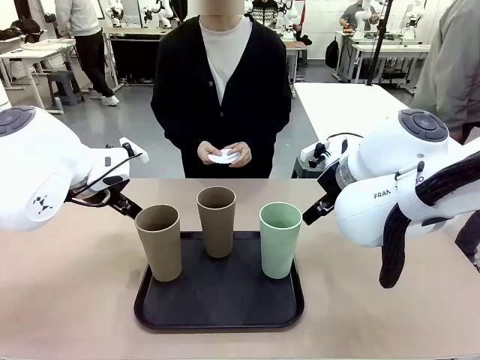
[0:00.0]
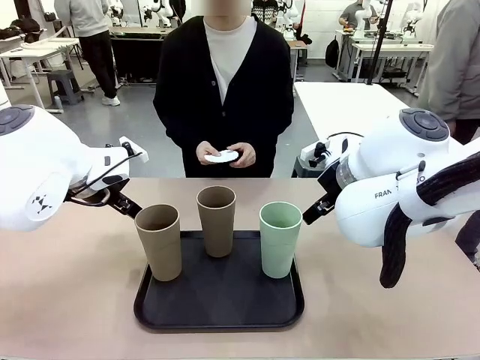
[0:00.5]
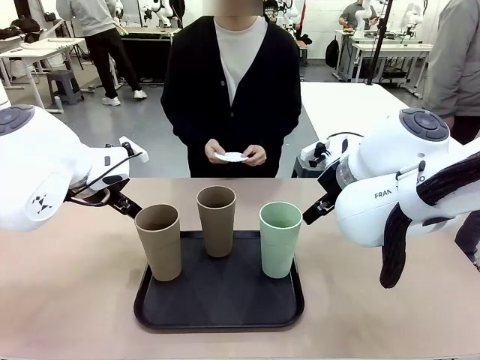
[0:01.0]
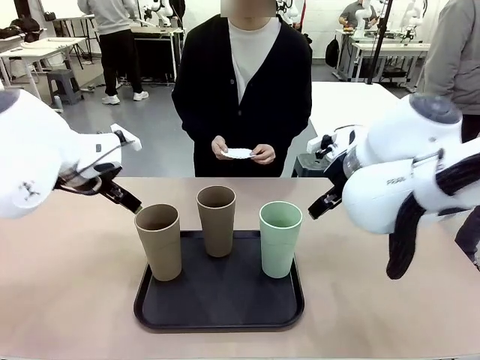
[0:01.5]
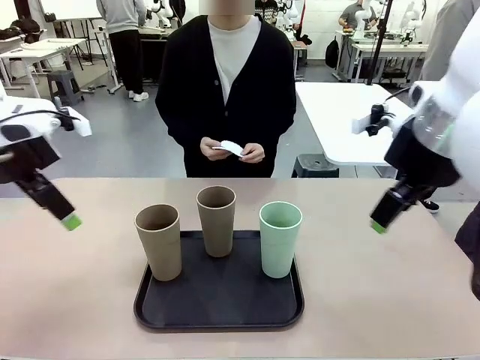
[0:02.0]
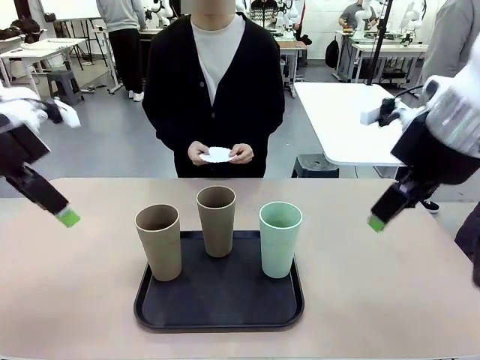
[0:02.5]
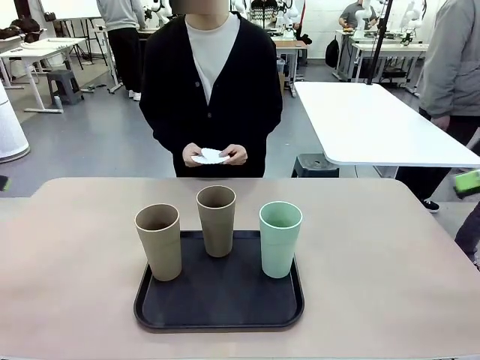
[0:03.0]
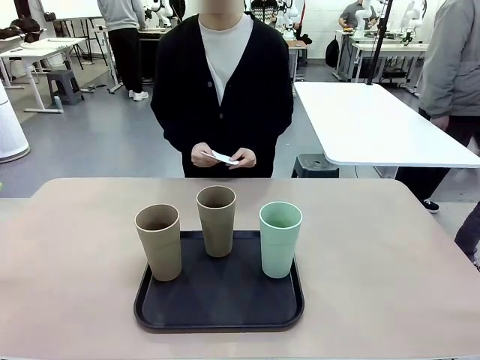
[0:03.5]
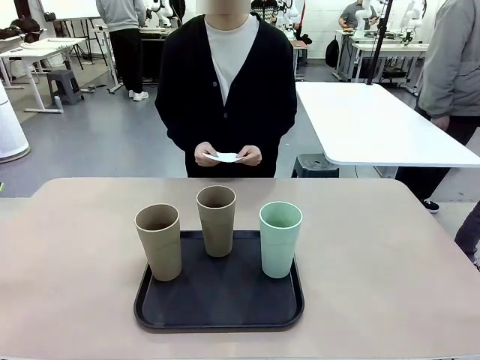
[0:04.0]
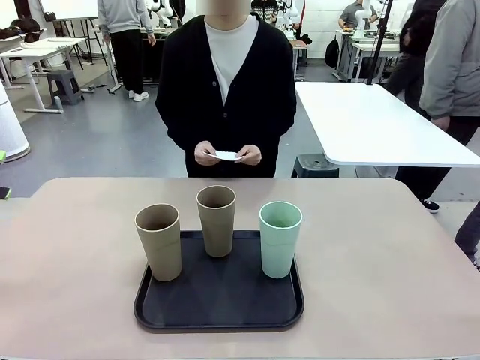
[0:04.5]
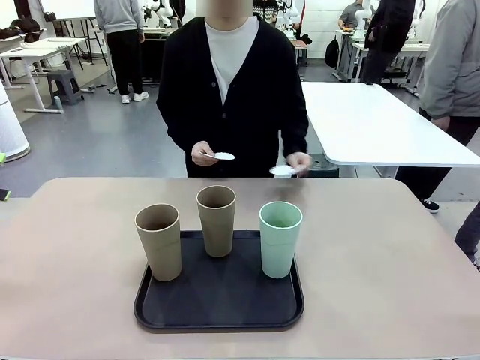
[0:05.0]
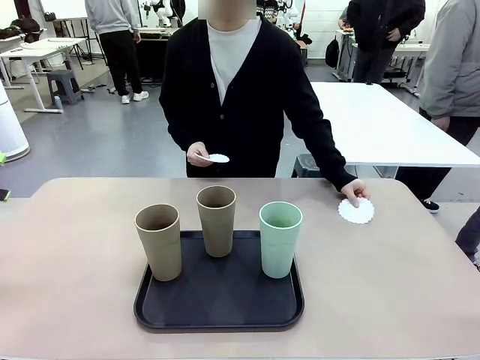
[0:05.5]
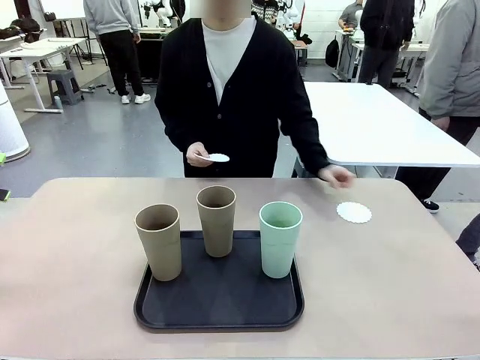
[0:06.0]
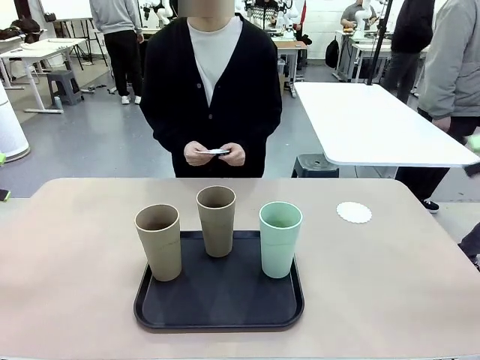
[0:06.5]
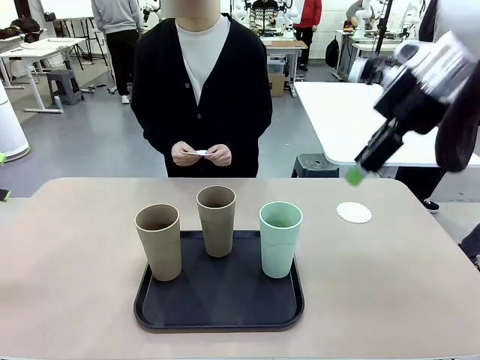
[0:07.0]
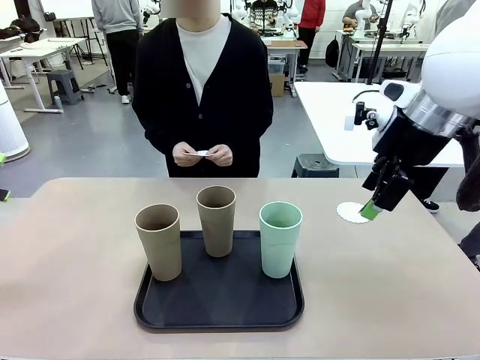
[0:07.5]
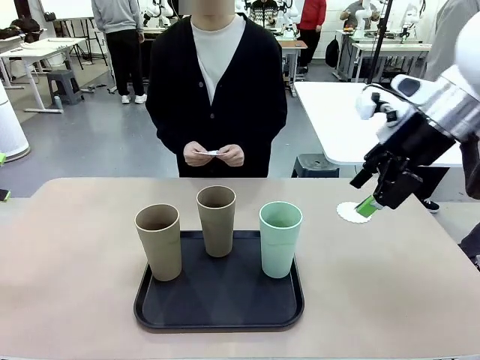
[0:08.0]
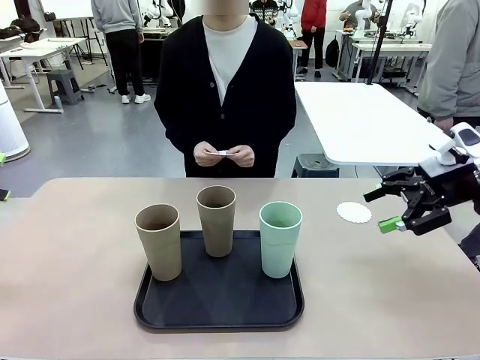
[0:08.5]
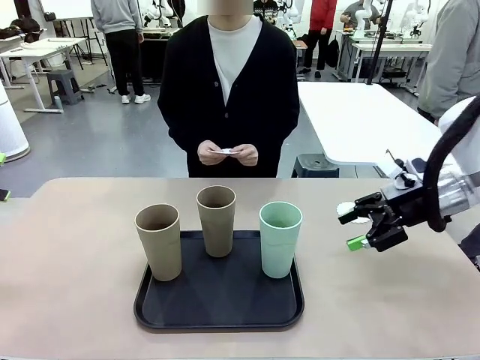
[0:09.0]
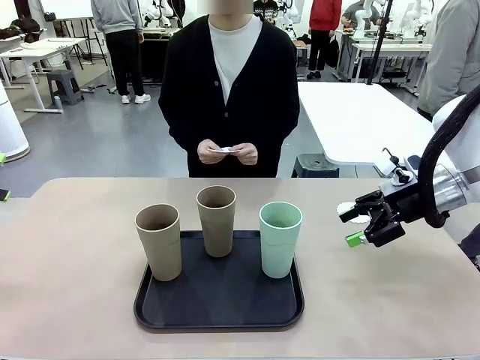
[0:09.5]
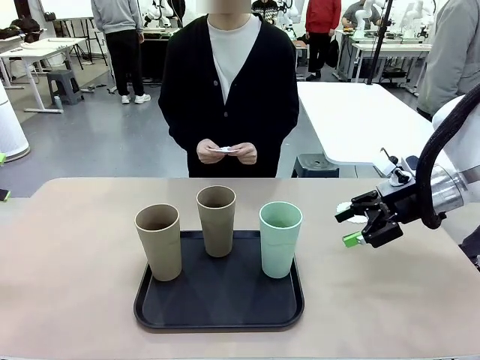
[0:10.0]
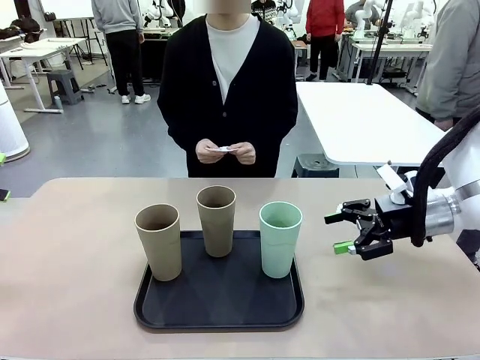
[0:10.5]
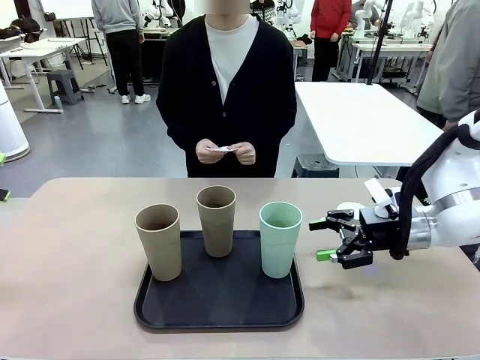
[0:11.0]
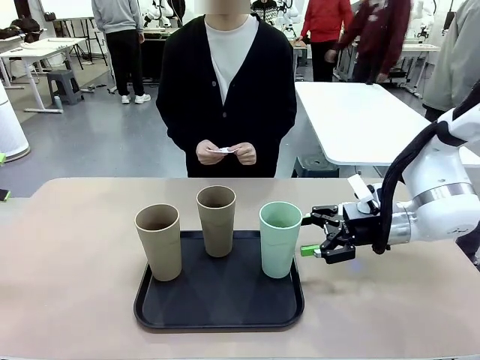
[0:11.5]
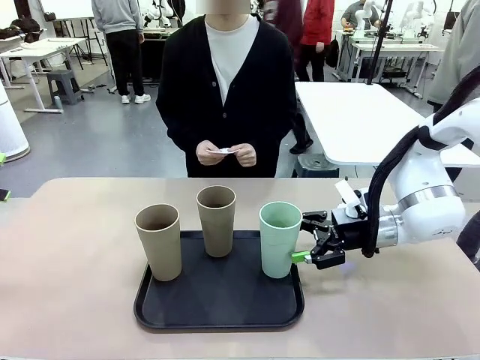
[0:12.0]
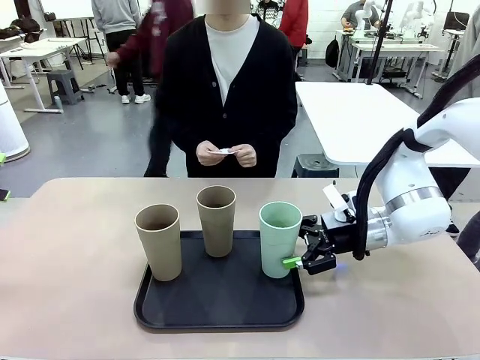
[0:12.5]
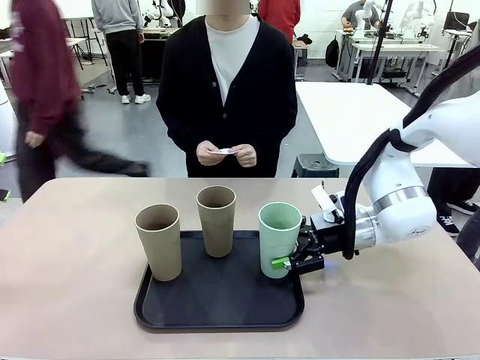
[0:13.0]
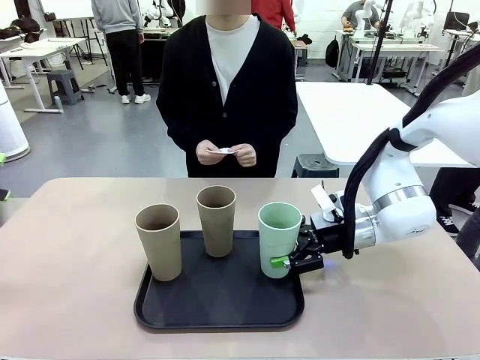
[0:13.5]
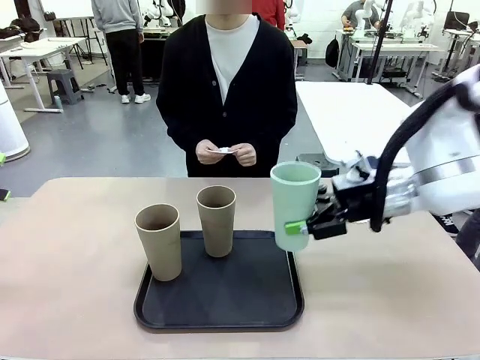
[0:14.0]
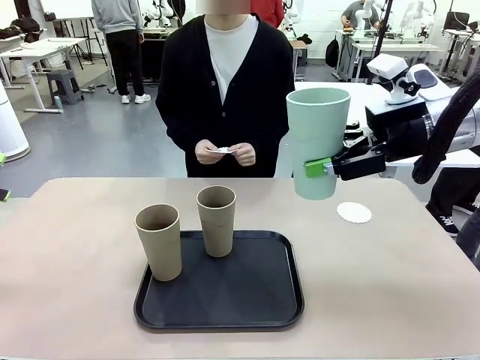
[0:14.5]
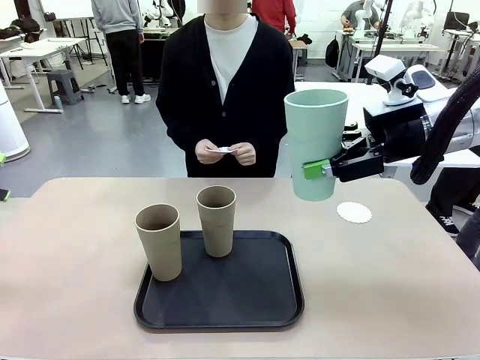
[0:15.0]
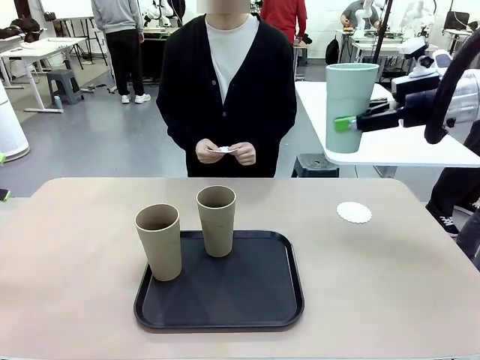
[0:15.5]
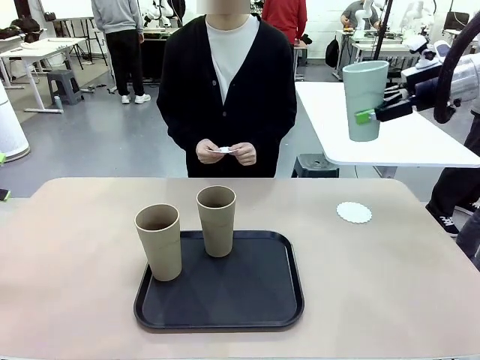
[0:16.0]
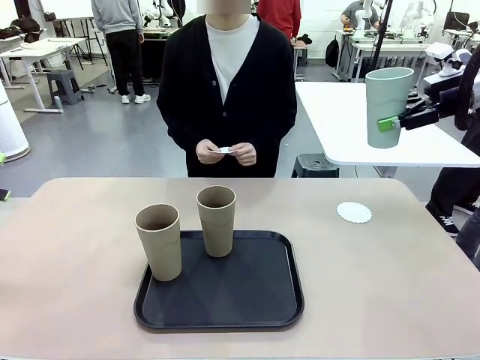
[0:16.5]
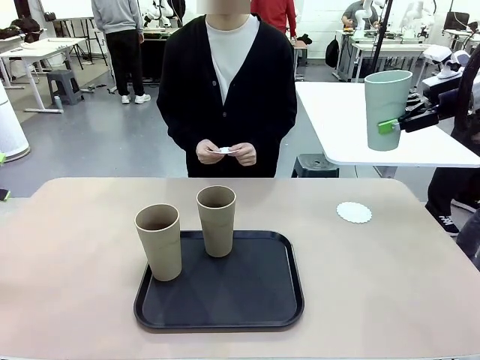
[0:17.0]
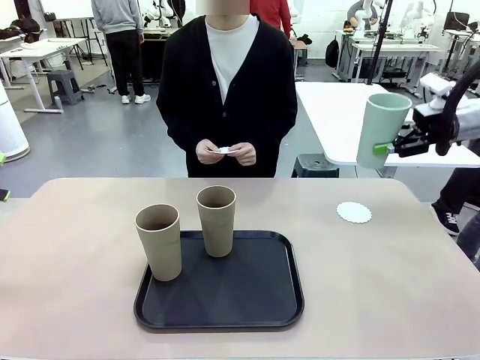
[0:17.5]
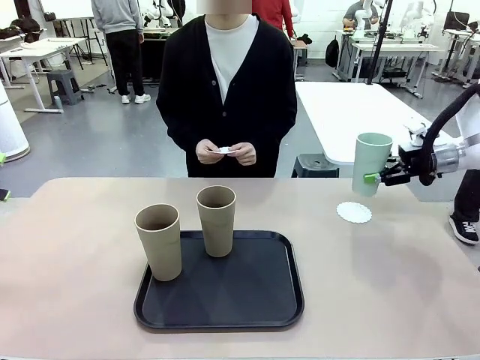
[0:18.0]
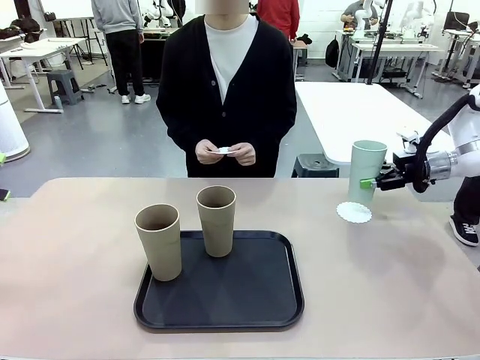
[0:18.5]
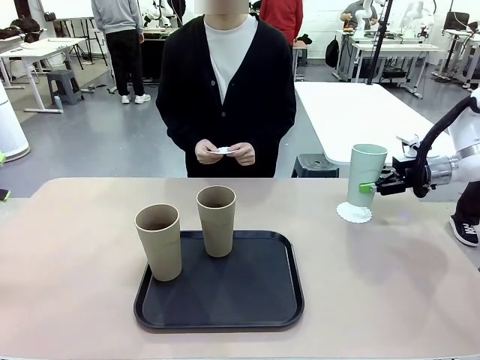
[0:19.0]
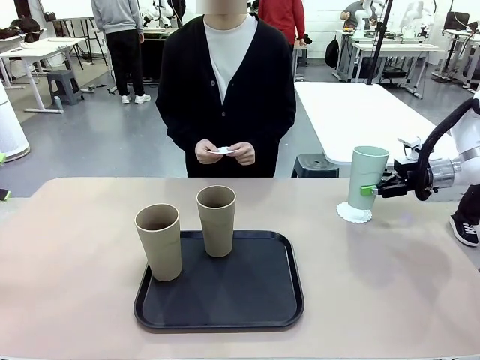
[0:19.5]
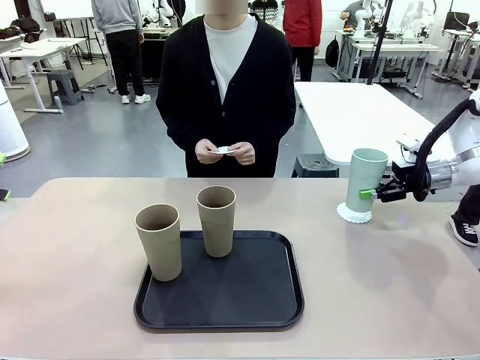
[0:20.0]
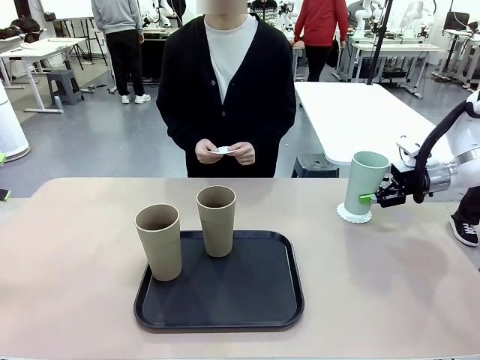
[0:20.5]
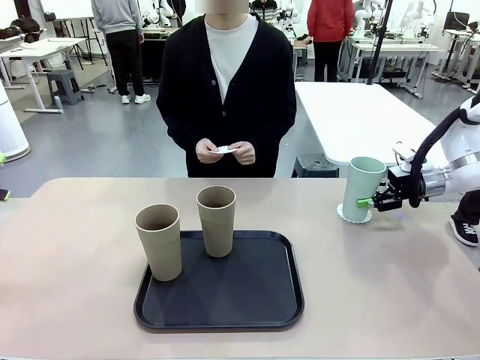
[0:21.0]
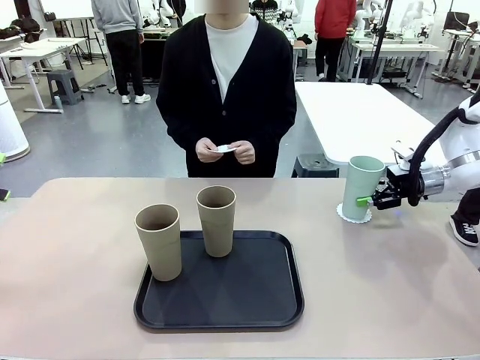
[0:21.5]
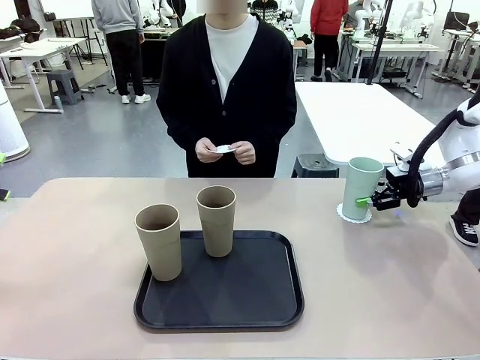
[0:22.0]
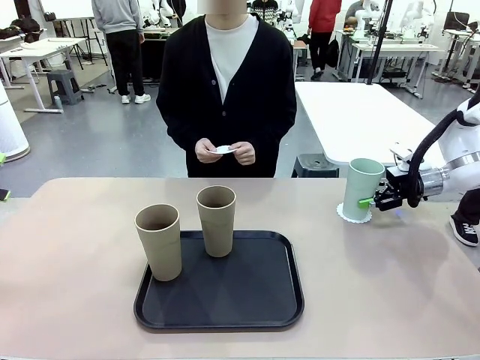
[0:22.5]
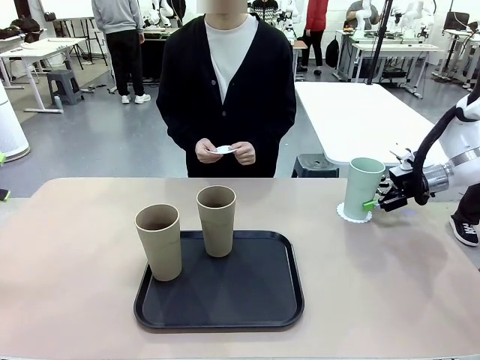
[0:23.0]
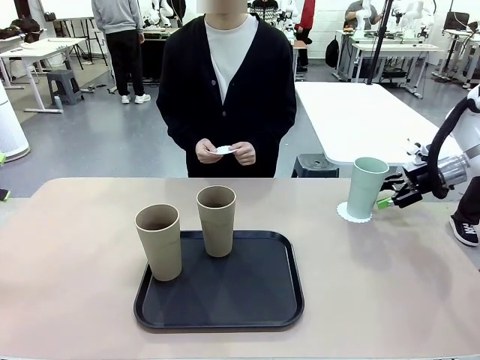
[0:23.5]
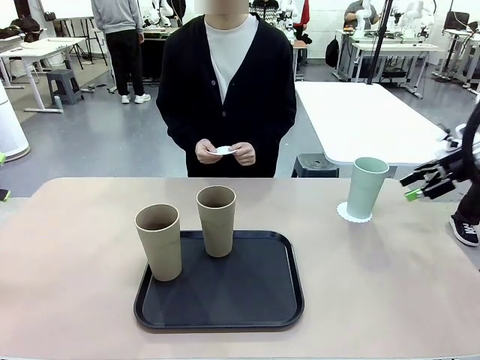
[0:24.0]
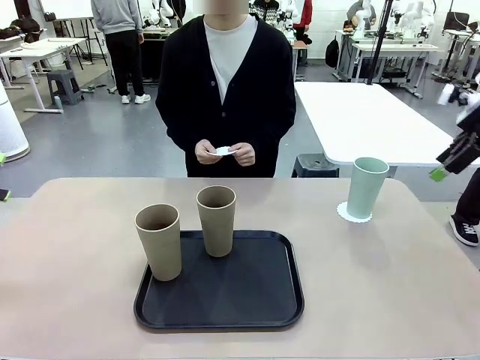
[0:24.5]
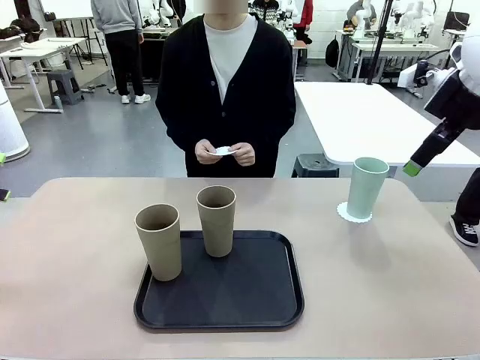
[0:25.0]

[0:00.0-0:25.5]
Task: Place coasters on the table and set cups on them.
Robot: Pick up one Reusable plastic cup and place it on a coaster set by the human.
Person: Place one coaster in any one of the three lower areas of the robot table (left, center, or right). Place one coaster in one of the two areas excluding the previously selected area.
